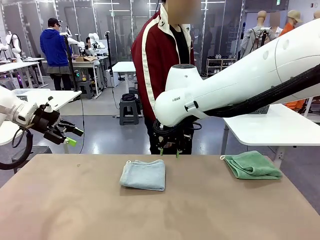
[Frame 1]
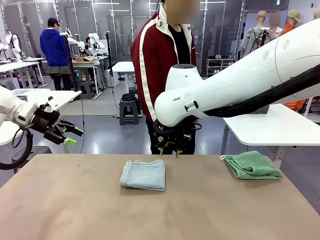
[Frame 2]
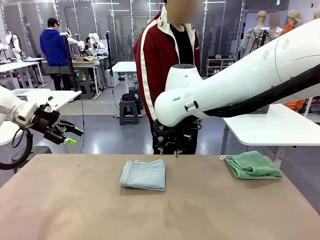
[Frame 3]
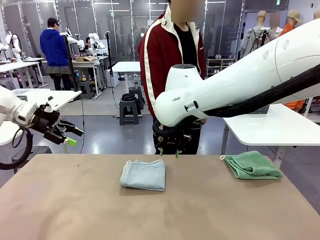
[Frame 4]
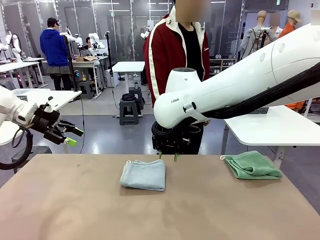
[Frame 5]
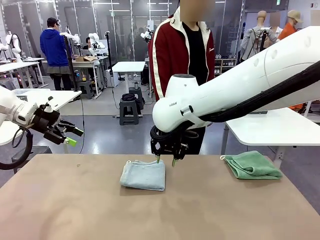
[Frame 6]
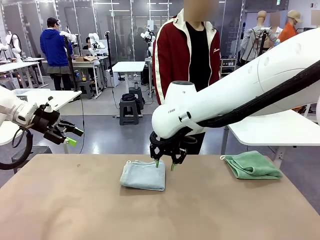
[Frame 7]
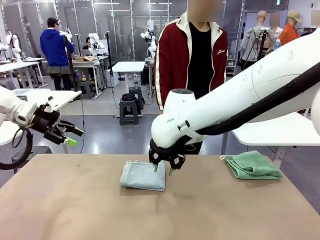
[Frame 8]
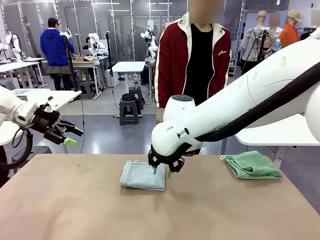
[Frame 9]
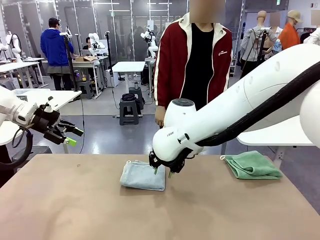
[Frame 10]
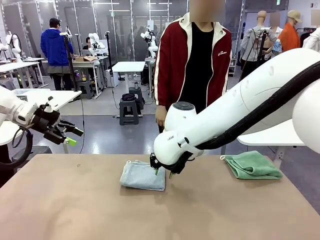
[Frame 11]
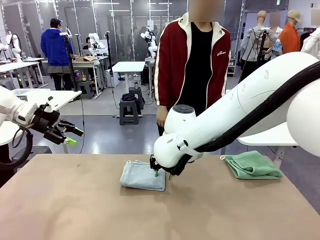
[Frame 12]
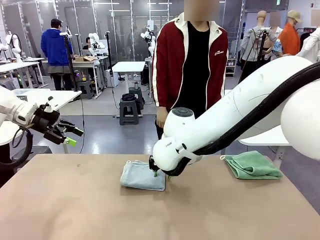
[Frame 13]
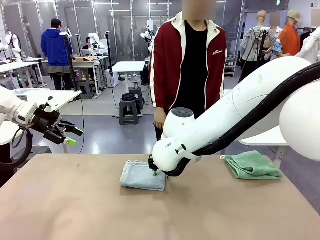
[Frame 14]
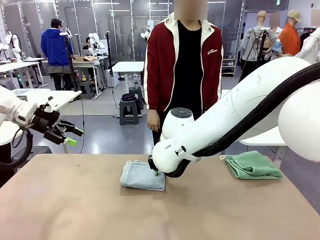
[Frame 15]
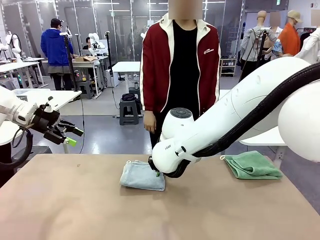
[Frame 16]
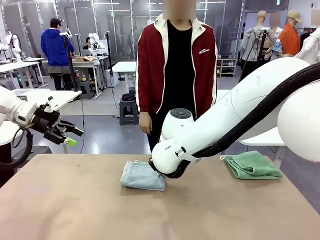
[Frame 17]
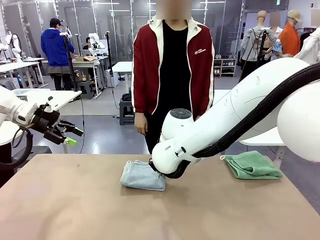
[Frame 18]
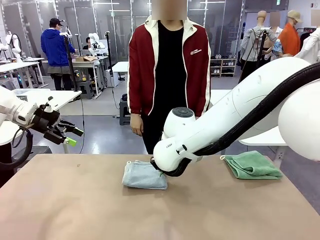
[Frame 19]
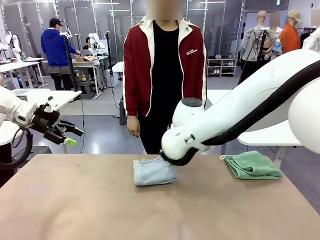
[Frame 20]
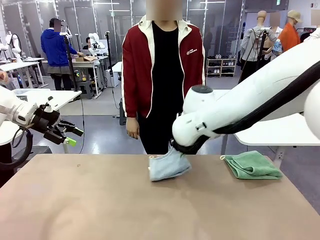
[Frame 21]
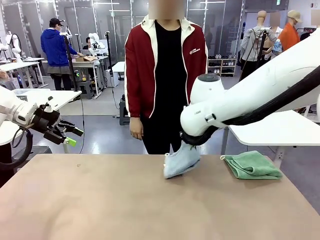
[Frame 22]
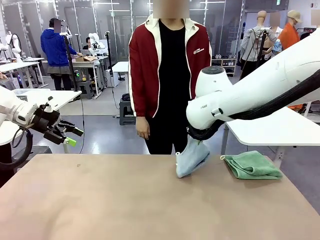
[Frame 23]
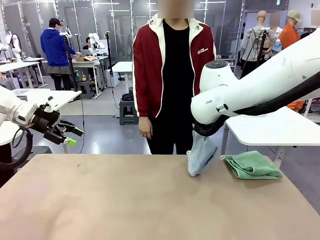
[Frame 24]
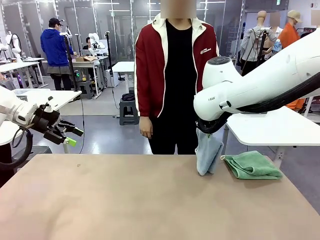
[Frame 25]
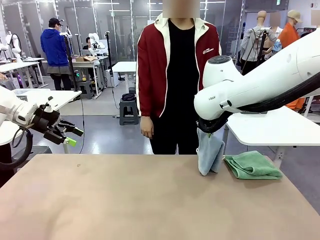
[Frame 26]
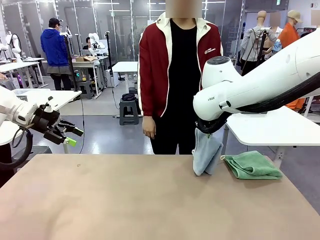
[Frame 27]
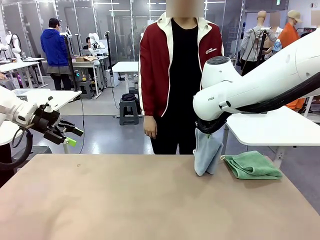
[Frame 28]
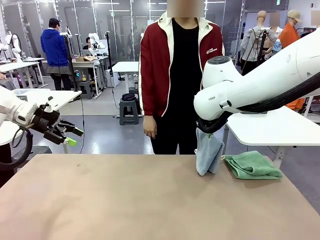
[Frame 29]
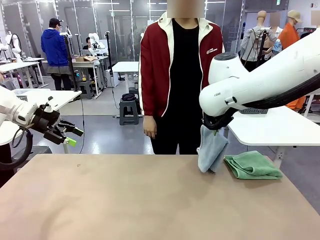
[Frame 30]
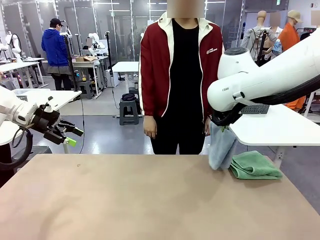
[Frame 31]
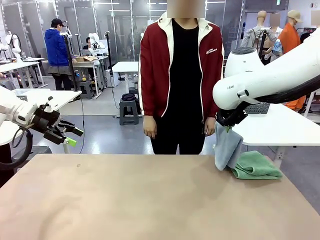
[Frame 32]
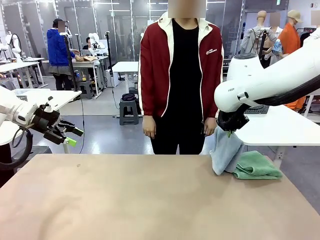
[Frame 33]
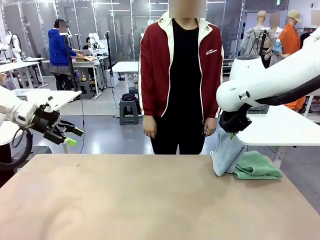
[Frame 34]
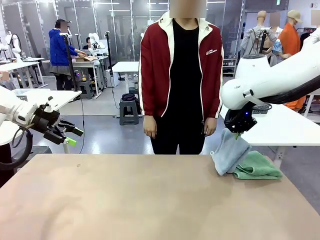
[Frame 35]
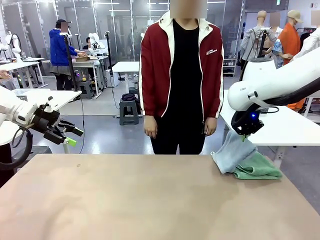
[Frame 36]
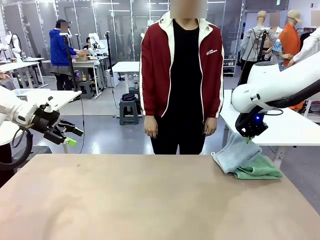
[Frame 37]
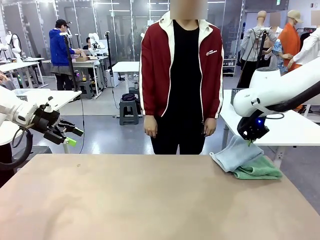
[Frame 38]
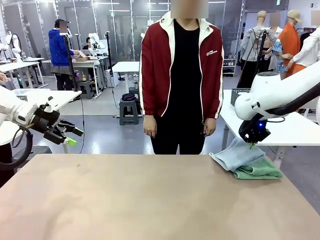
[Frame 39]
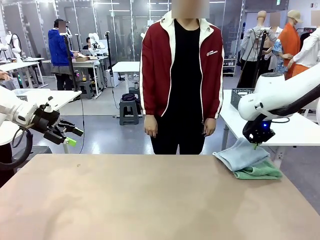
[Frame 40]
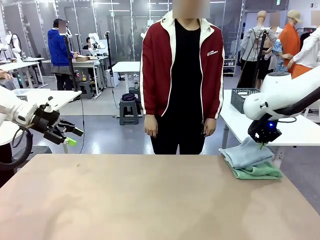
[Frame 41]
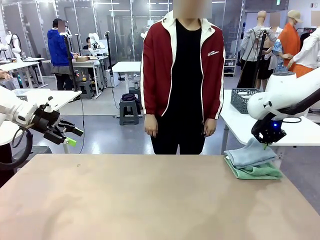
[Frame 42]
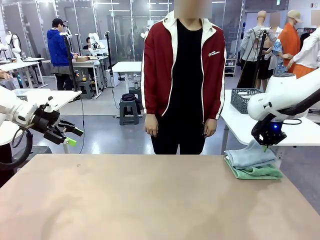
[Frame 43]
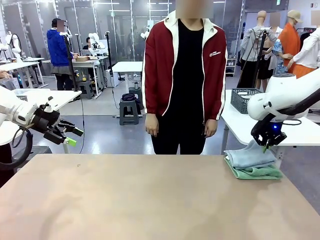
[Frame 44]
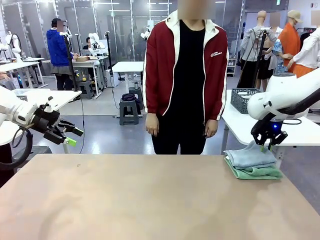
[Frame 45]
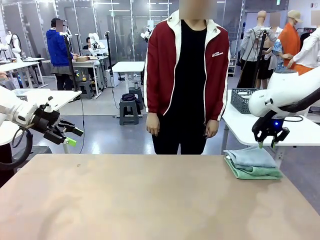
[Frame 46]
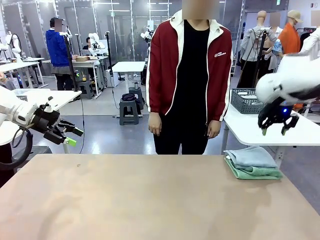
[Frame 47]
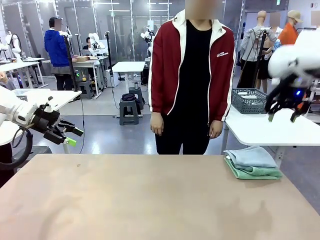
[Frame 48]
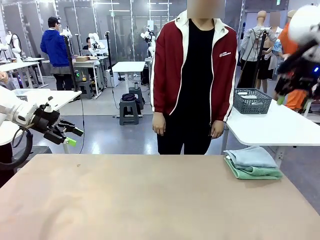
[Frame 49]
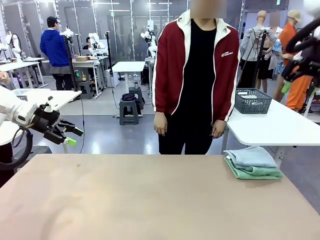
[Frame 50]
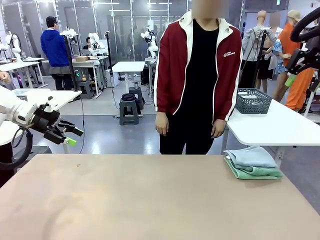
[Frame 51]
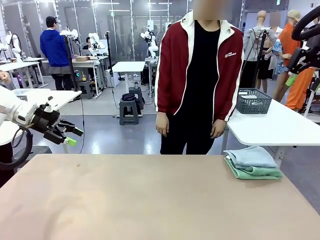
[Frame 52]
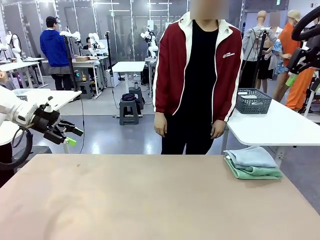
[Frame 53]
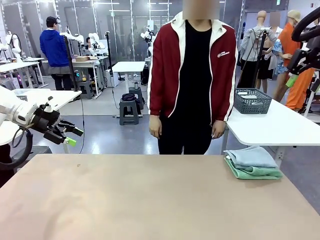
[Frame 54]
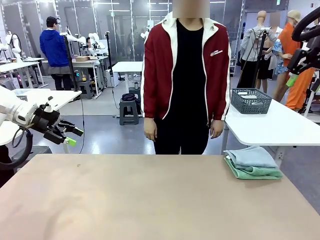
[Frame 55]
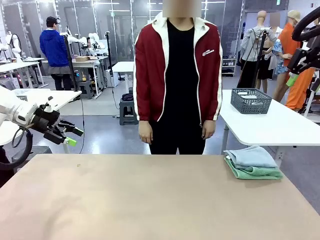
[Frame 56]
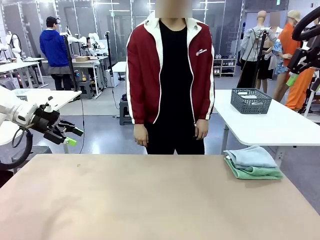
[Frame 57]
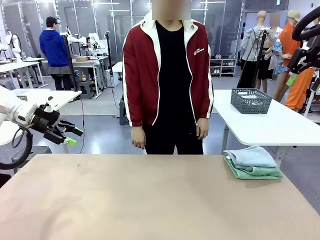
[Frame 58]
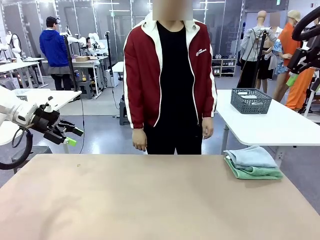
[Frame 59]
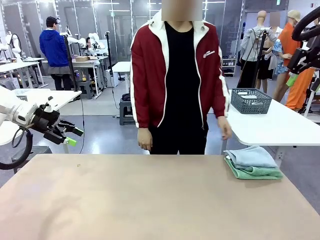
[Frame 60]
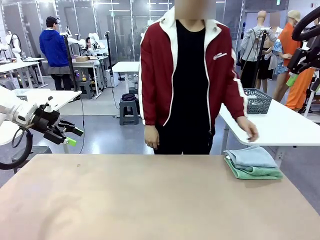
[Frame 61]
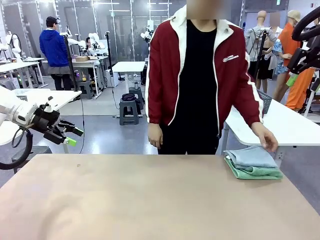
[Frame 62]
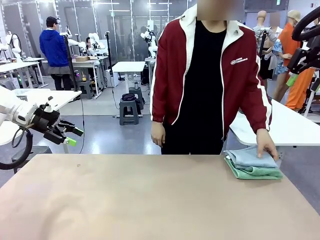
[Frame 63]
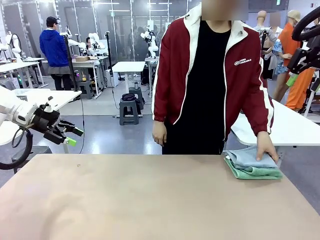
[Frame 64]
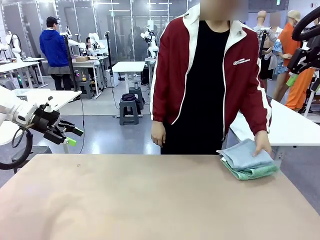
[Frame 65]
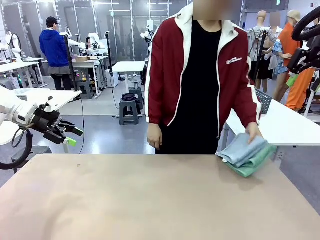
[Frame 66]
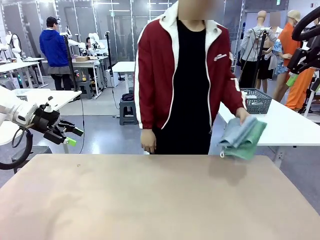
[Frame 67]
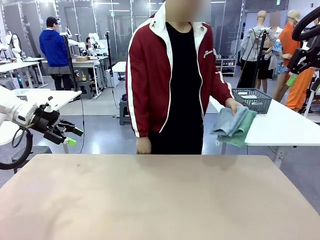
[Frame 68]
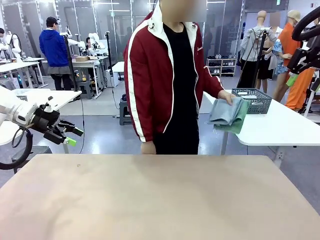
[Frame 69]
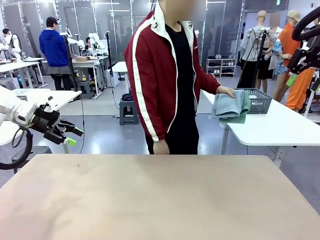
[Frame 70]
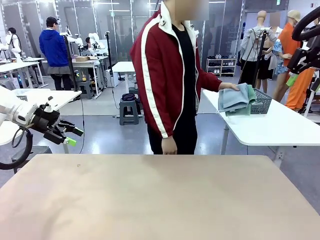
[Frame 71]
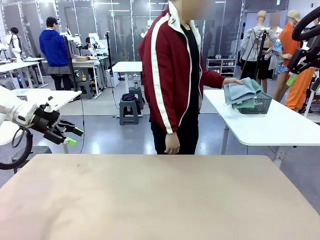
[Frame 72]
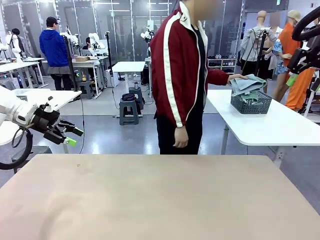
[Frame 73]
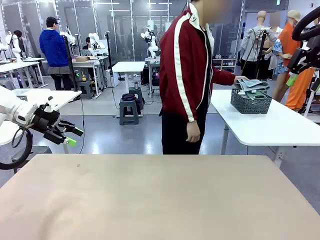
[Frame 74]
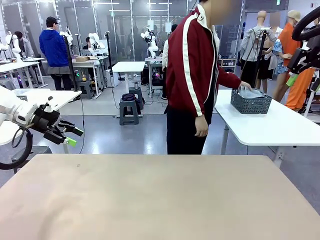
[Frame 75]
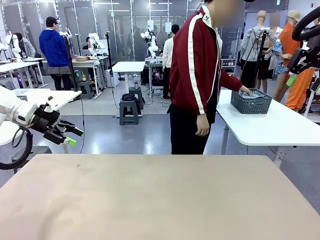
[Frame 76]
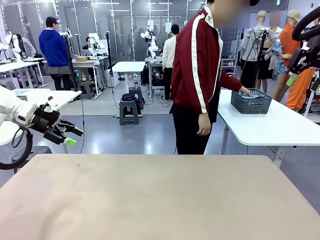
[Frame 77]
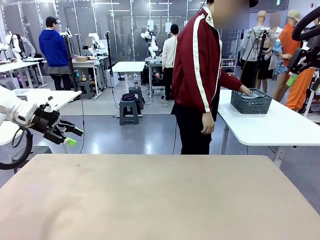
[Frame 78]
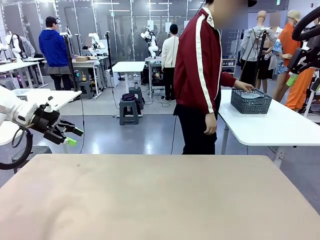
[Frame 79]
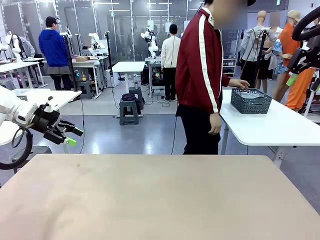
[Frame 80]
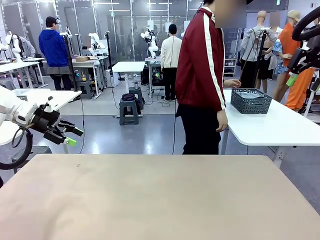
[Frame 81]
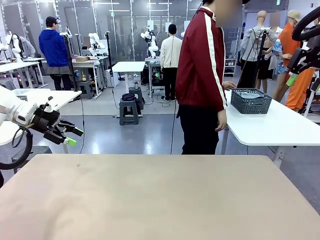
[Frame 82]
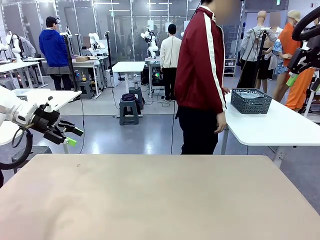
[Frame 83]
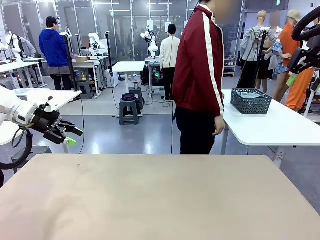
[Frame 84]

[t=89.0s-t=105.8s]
Task: Fold the towels and place them in the basket.
Robot: Stack the folded Towel with hook on the right side of the table.
Person: Pick up the stack of towels from the robot table and place it into the basket.
